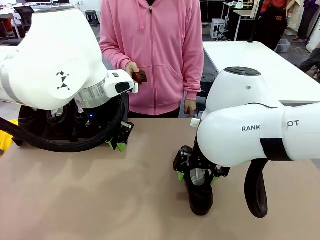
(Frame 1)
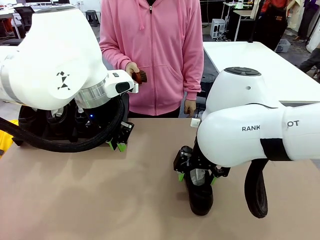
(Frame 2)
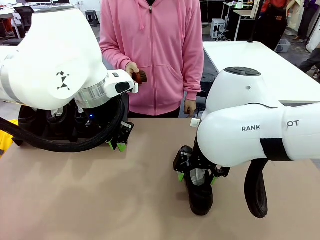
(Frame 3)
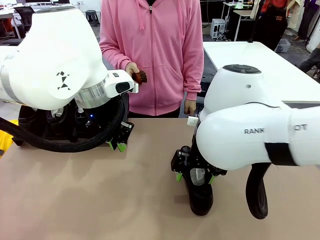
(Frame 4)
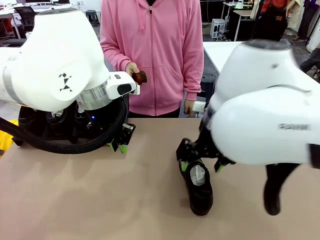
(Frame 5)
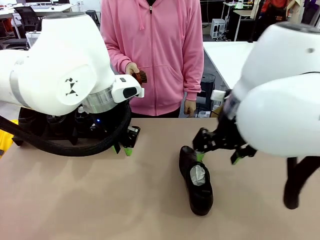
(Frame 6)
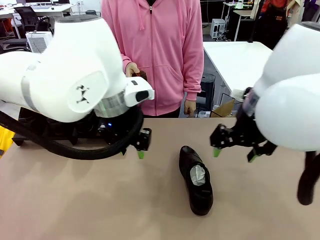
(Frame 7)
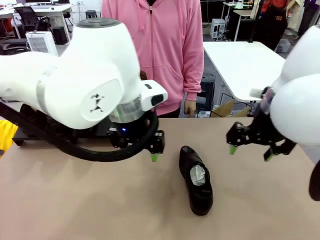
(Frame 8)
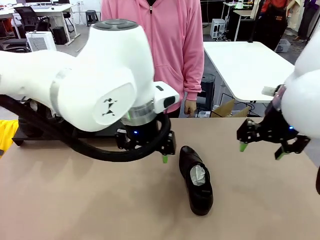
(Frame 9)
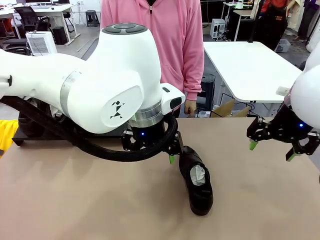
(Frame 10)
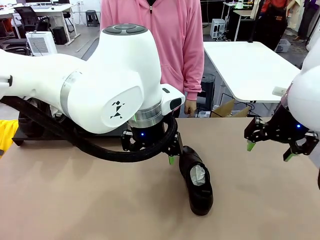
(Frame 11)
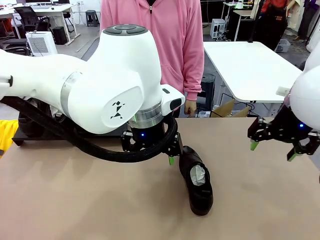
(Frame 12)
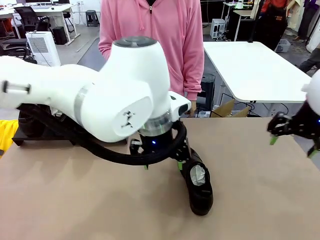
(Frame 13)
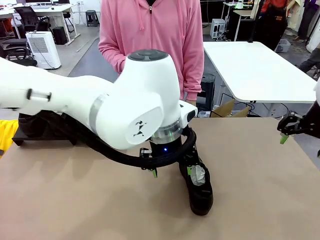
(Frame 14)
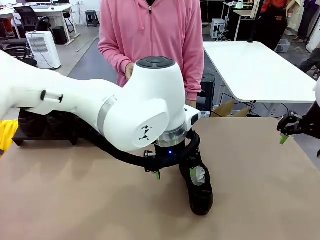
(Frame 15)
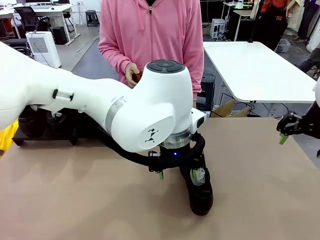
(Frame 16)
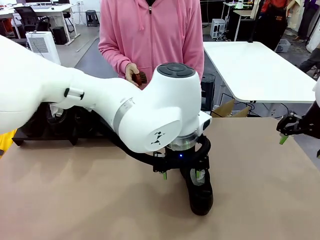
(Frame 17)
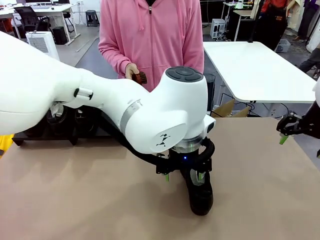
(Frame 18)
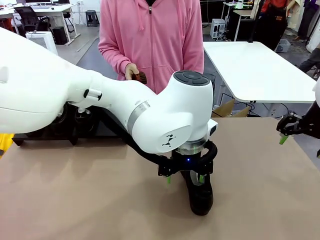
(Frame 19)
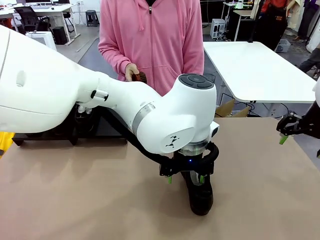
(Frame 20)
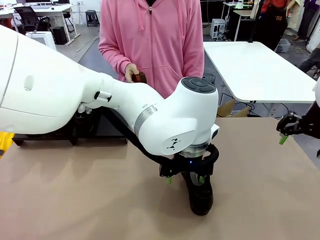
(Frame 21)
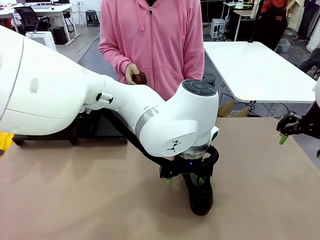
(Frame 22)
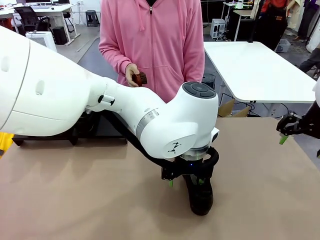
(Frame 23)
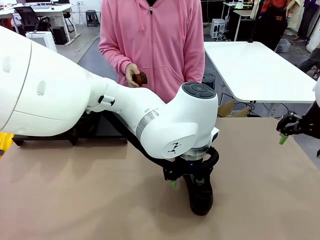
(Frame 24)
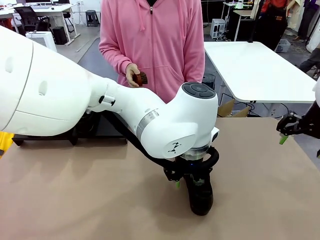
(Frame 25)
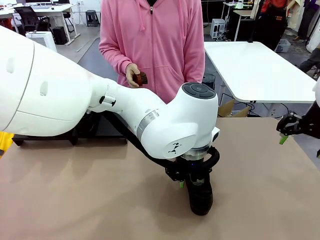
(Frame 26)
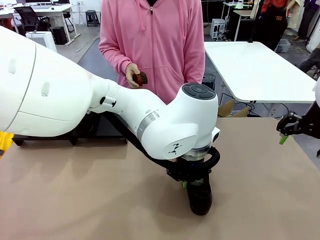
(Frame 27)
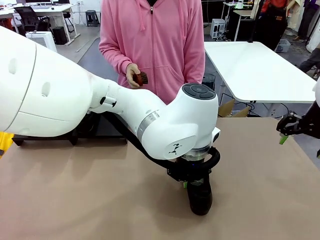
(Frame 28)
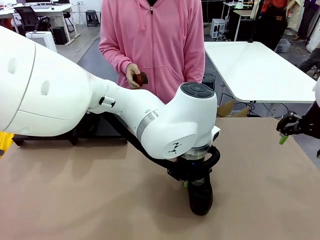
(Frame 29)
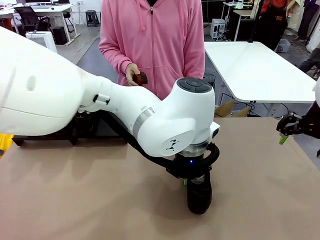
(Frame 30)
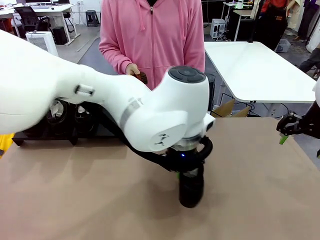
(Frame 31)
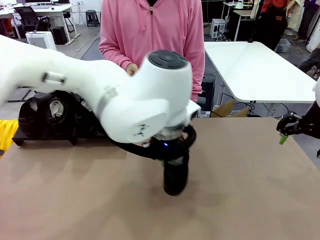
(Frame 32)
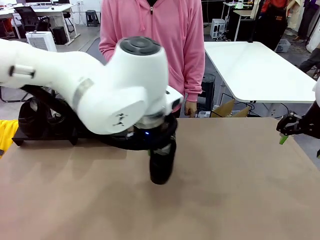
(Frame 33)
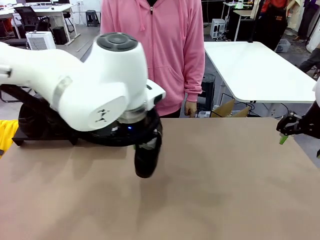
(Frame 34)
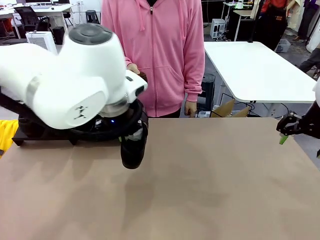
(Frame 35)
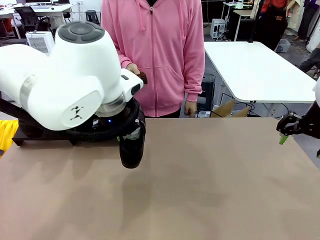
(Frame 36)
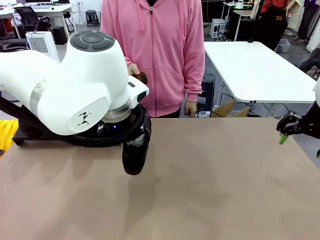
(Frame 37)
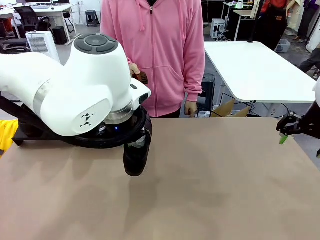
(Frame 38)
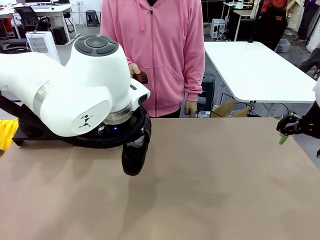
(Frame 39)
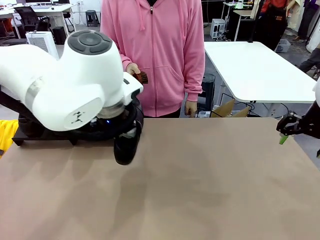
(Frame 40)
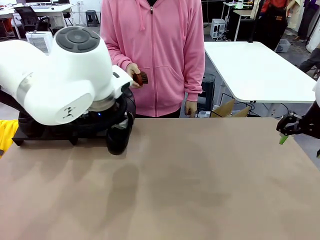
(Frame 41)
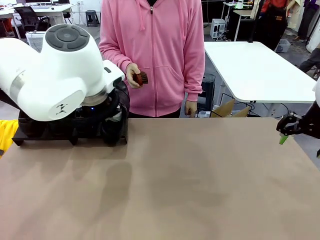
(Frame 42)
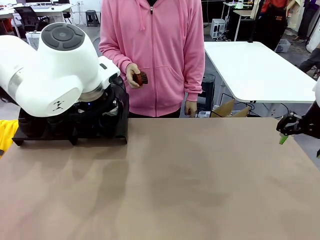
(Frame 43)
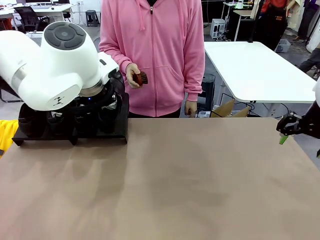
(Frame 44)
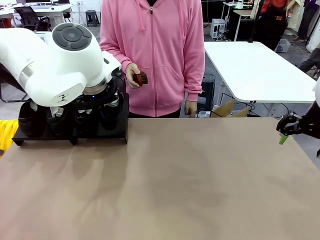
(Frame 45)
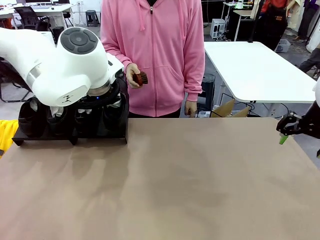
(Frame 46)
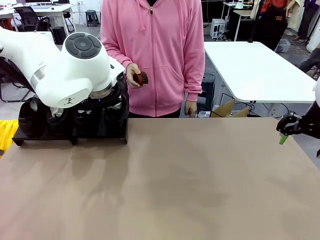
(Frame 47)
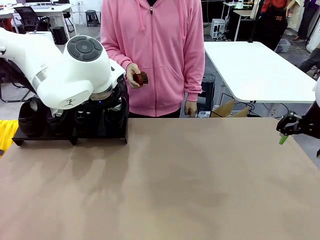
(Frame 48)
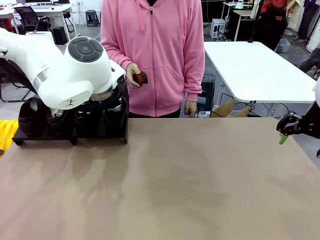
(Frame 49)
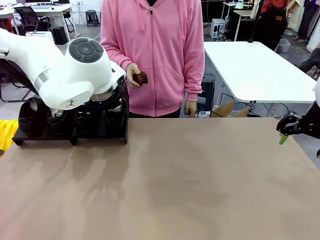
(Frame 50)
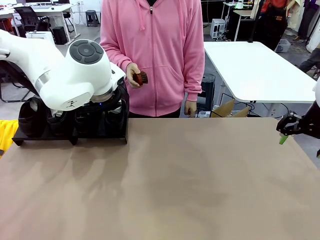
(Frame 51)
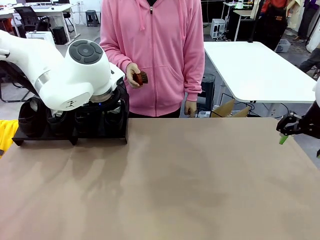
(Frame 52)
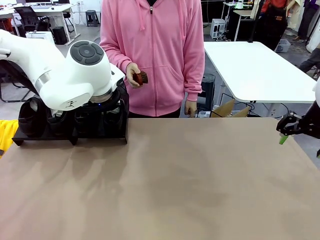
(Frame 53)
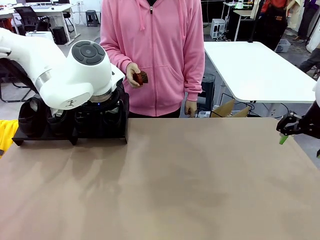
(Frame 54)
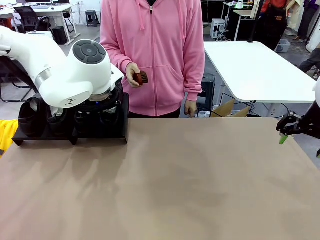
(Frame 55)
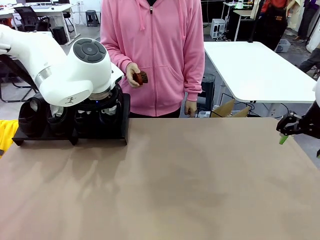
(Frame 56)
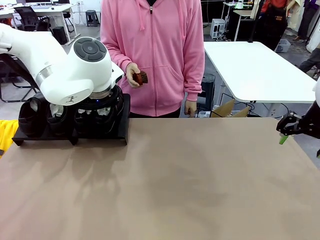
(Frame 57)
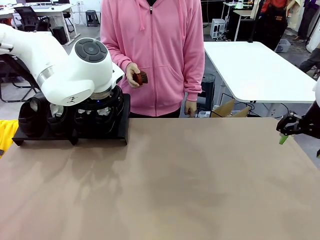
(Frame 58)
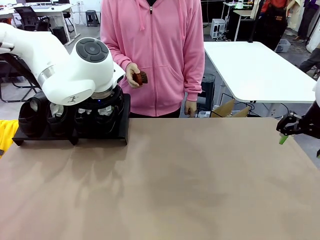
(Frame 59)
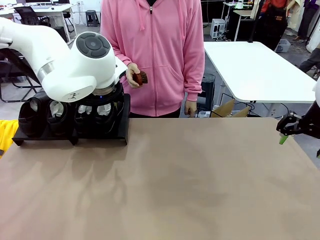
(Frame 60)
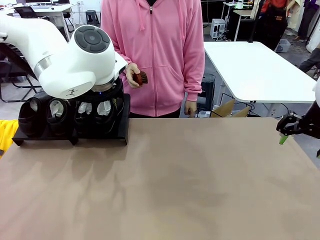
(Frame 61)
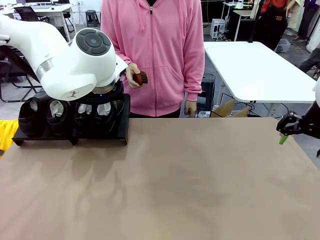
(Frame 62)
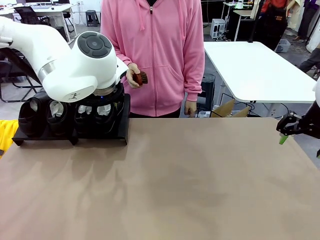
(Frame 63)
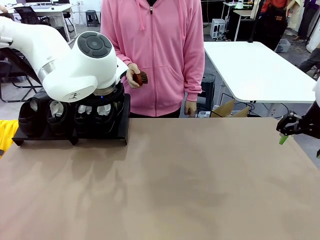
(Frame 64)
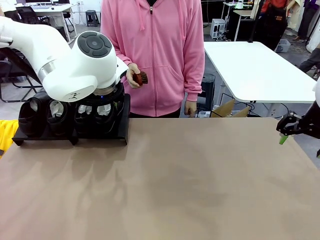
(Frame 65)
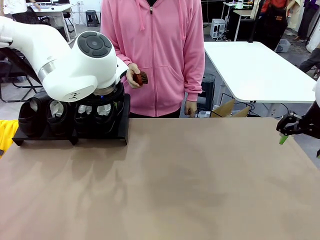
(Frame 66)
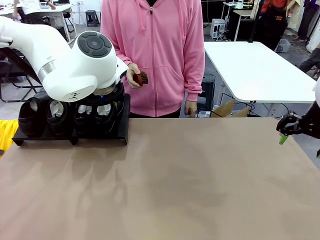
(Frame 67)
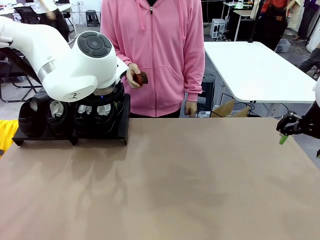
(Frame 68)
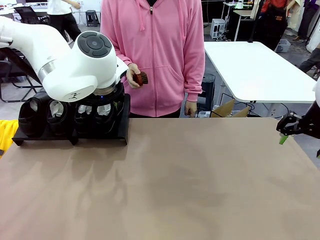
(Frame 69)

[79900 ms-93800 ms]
Task: Organize the shoes by placing them on the stand.
Robot: Place the Shoe from the middle of the table onto the Shoes Stand.
